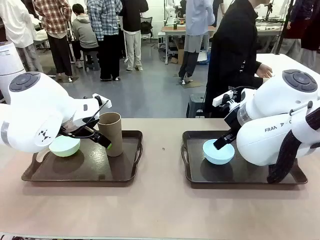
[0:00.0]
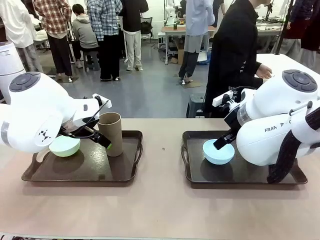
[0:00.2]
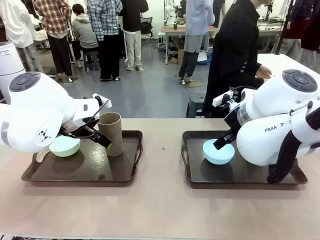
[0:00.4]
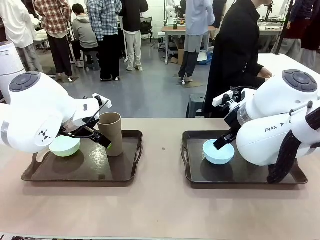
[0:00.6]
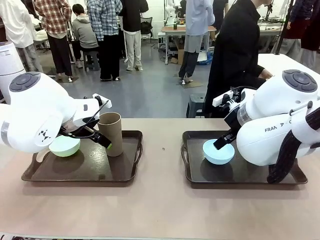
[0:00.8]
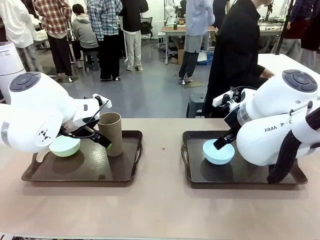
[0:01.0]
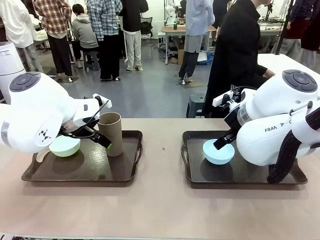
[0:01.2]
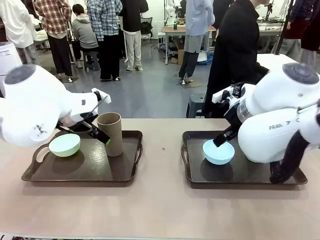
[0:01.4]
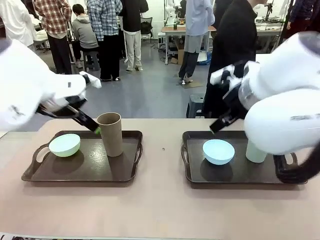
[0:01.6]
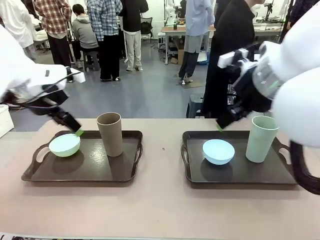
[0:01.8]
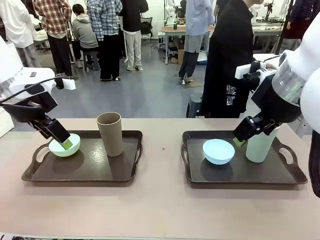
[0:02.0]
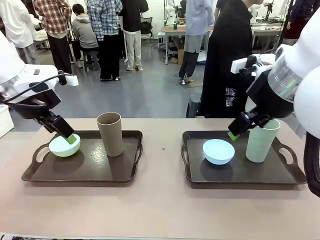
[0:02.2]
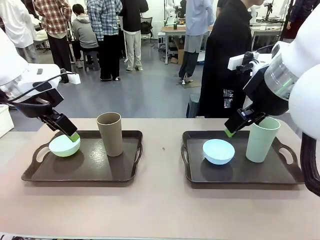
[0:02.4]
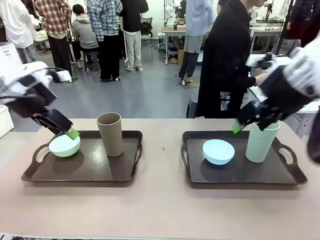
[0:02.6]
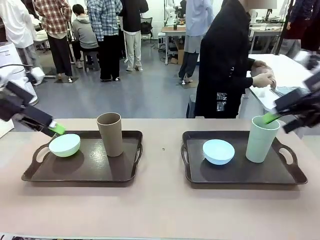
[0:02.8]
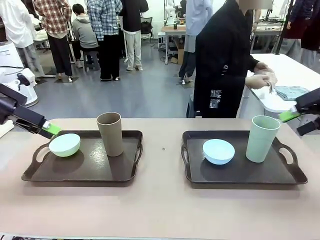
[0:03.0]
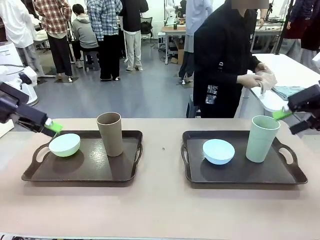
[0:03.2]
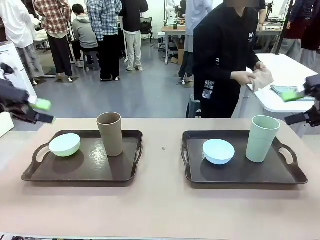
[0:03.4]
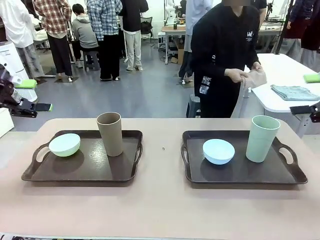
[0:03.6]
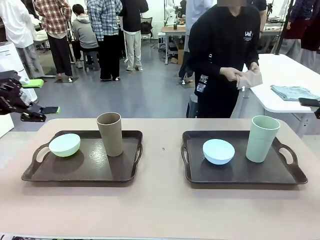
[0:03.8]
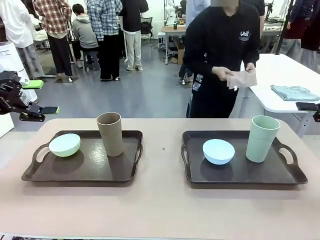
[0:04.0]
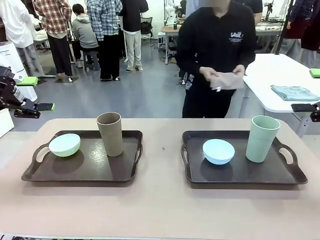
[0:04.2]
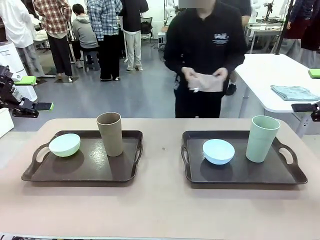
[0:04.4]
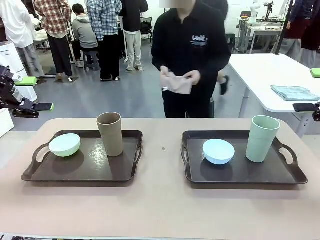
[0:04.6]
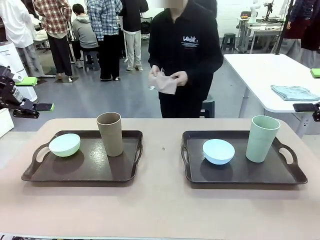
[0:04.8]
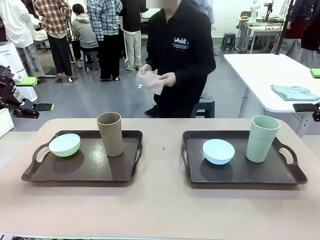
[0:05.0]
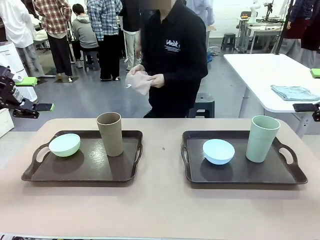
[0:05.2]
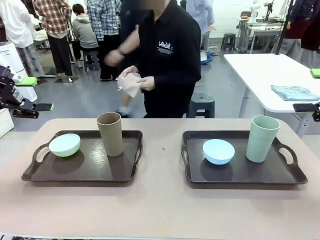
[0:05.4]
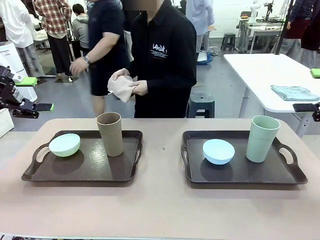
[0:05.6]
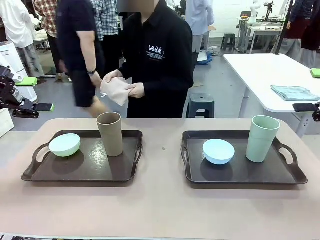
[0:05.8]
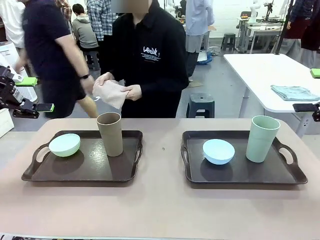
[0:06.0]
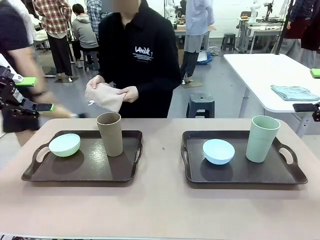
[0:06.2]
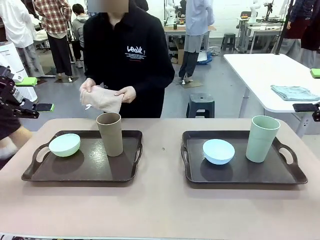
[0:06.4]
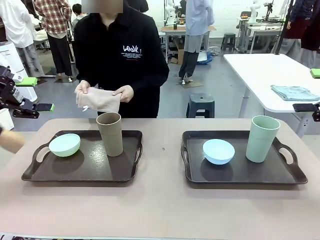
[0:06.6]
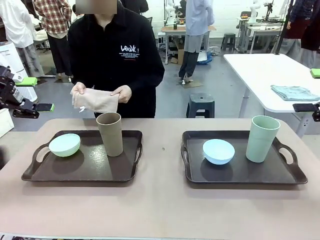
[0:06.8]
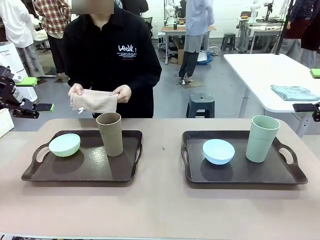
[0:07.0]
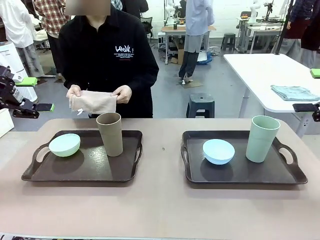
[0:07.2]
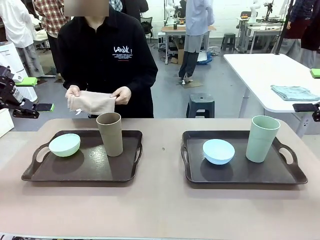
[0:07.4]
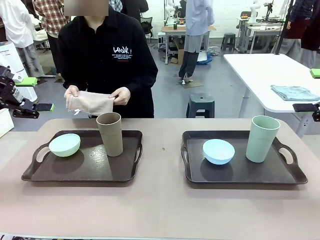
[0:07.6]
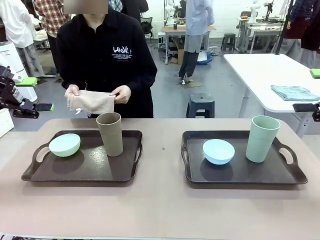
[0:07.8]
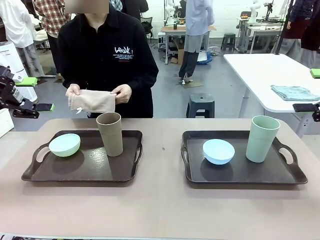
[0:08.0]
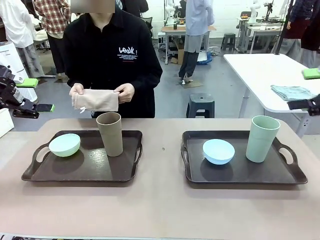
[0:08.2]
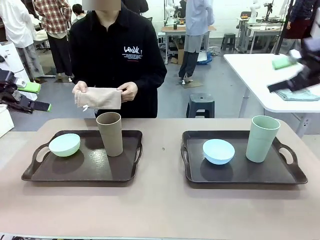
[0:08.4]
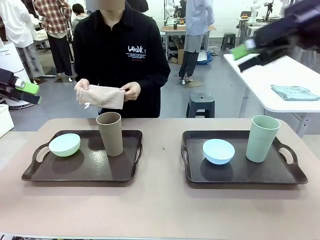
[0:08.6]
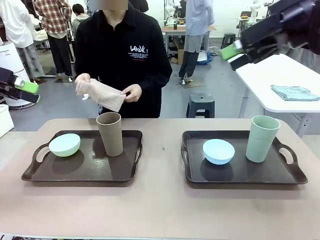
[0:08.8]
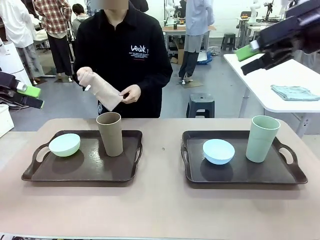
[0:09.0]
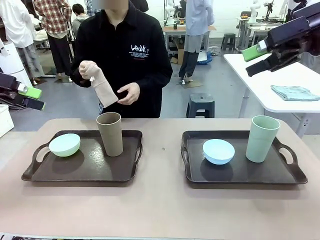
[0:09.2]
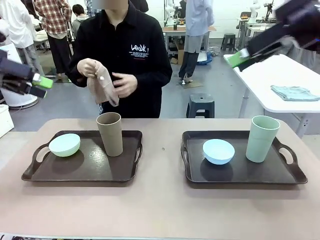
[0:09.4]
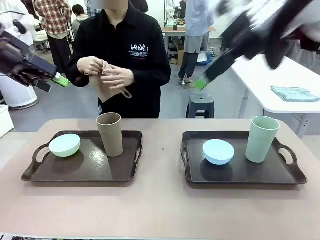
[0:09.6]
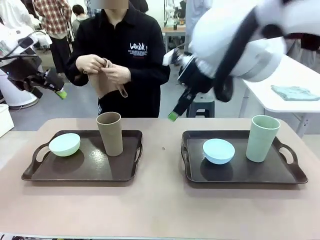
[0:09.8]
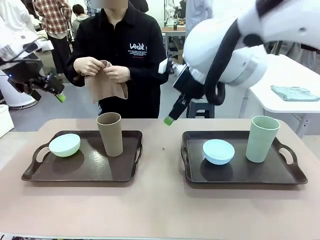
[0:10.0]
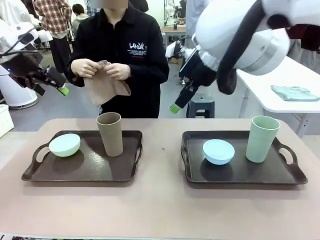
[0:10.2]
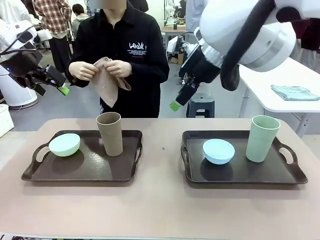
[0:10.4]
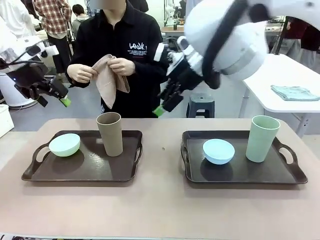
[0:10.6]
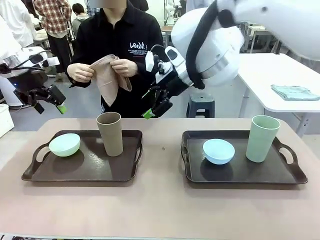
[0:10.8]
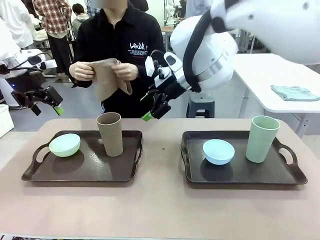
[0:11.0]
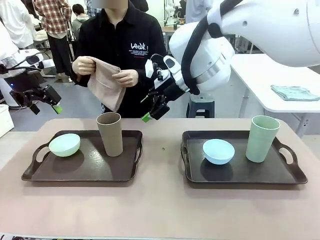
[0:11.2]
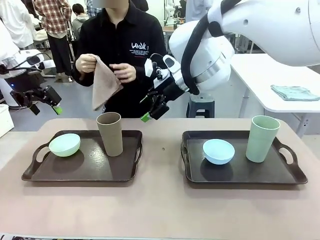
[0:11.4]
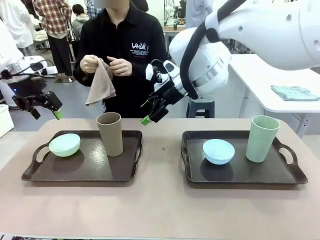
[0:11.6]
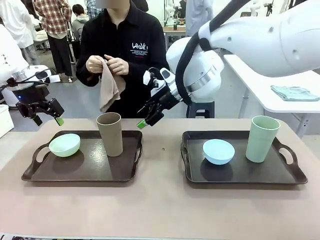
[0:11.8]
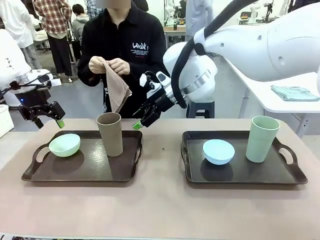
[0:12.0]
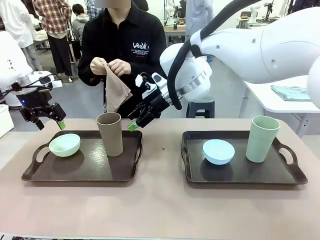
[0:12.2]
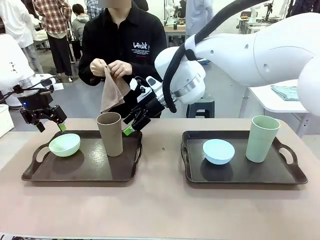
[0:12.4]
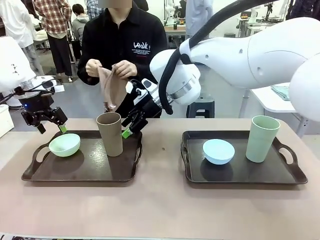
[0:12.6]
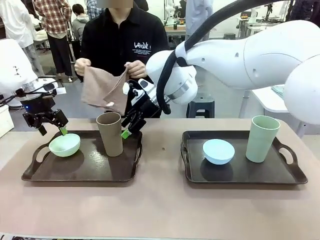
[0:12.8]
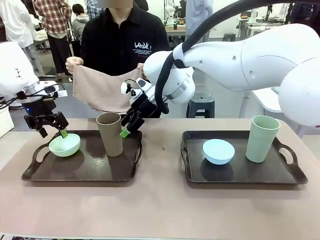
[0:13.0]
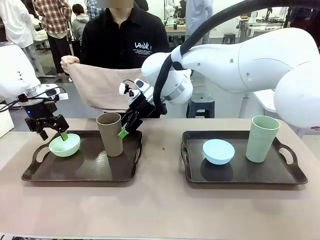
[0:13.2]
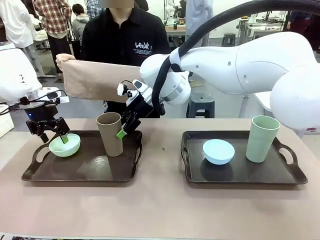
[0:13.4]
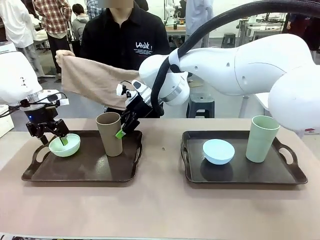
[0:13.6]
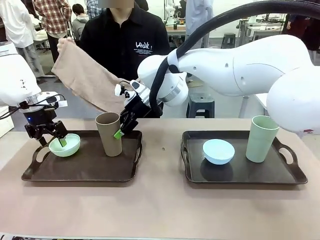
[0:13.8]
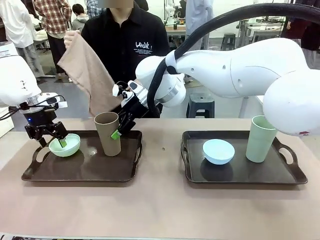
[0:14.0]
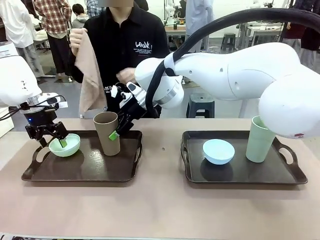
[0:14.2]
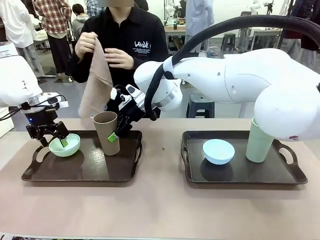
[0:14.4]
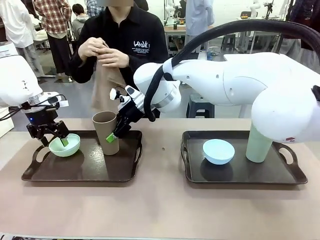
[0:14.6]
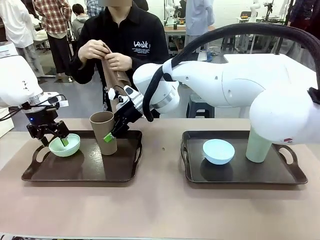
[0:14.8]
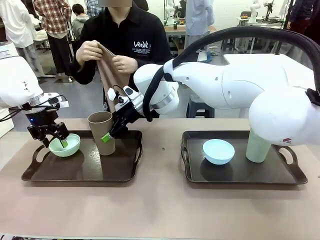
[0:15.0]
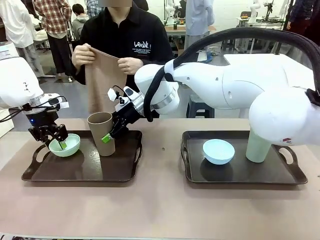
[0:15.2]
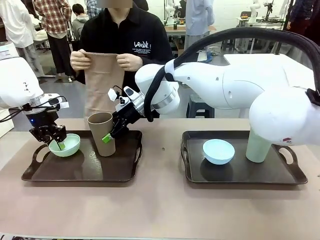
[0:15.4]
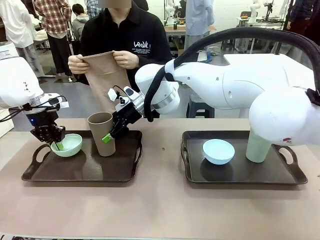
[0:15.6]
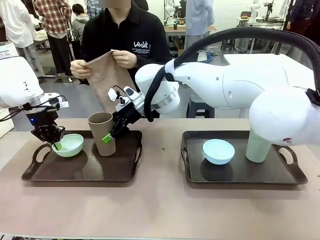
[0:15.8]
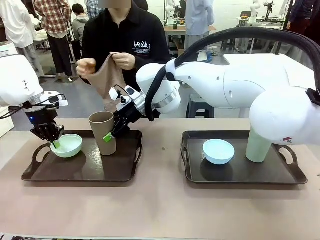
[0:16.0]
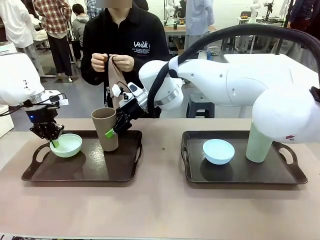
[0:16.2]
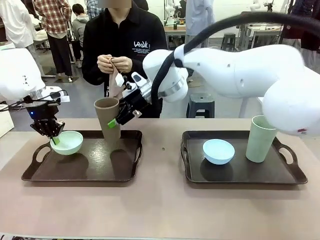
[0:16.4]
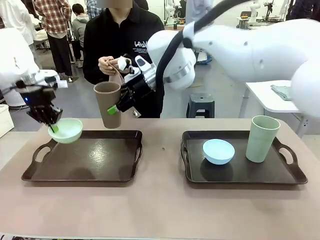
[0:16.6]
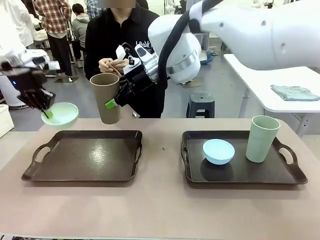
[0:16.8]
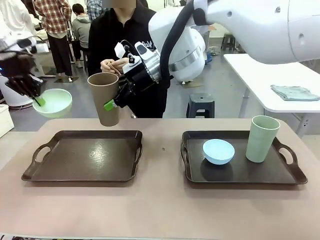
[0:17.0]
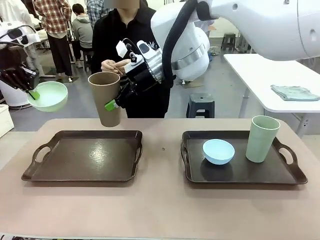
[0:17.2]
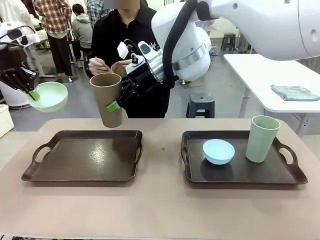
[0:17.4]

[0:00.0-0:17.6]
Robot: Pick up the Picnic Bowl and Reusable plastic cup from the Handle tray in front of the human's position and hold them in the air.
Person: The human picks up the top napkin from the stack on the human table and walks to the robot table to stand in front of one of the two trays. When the robot lifts the bowl and the cup, the human unfolds the napkin and lays the napkin flat on the tray.
